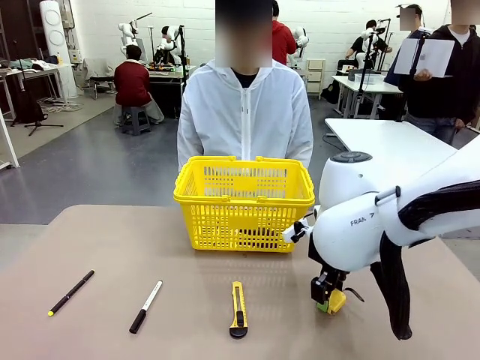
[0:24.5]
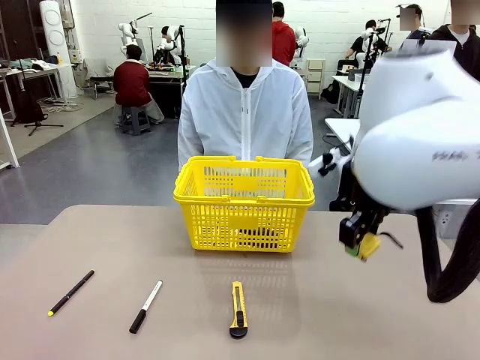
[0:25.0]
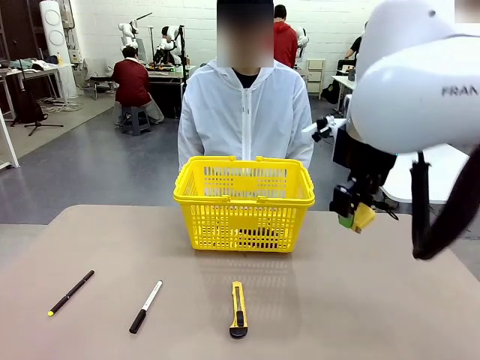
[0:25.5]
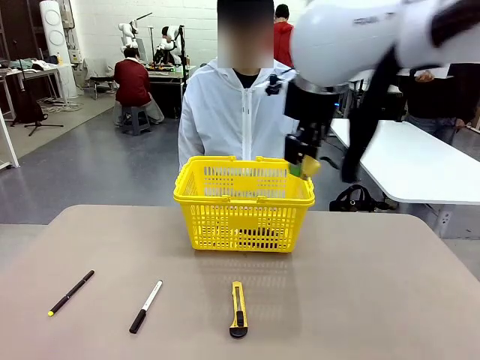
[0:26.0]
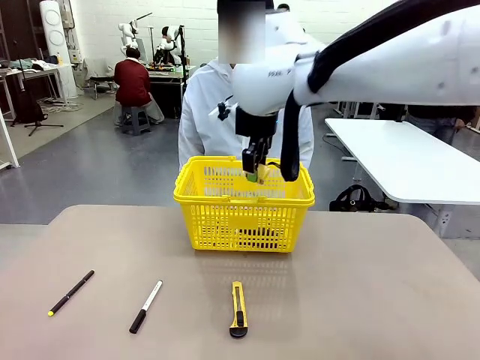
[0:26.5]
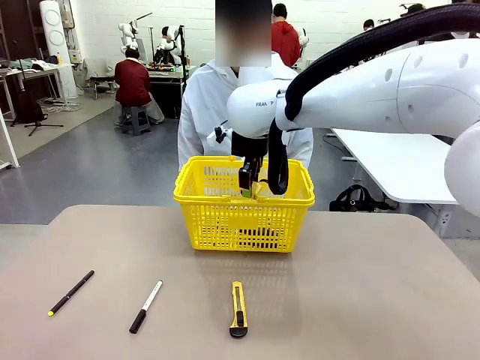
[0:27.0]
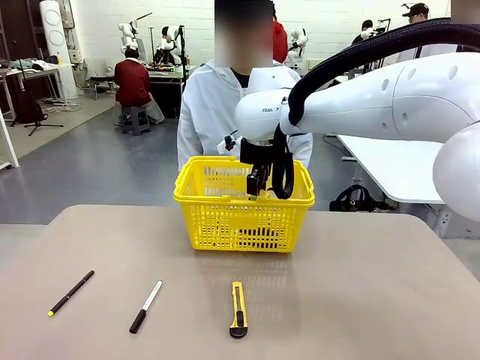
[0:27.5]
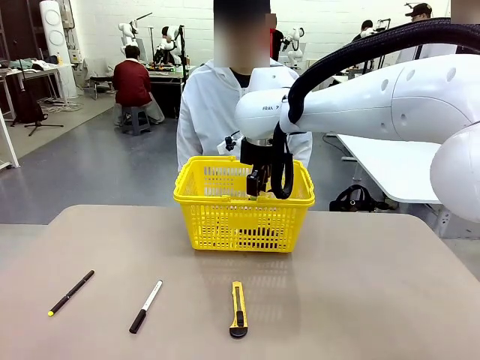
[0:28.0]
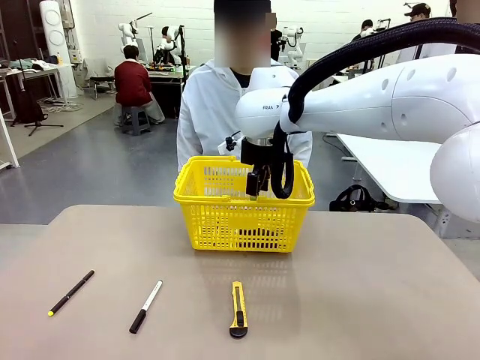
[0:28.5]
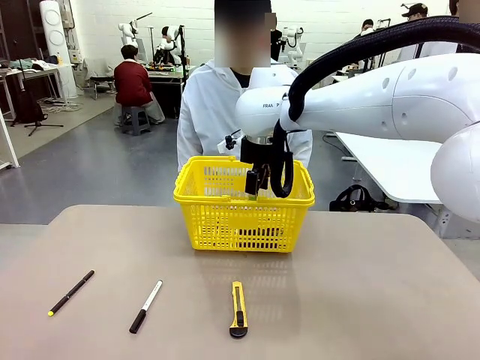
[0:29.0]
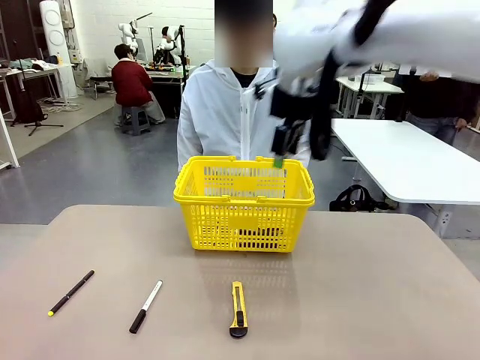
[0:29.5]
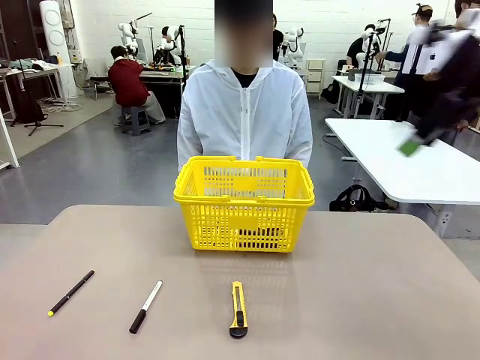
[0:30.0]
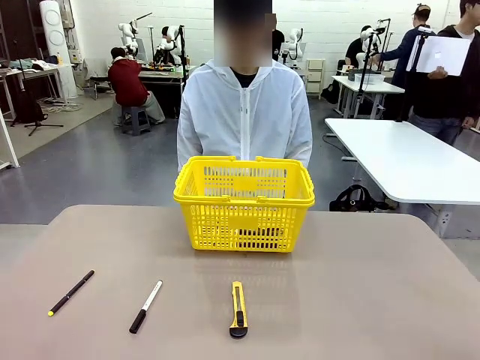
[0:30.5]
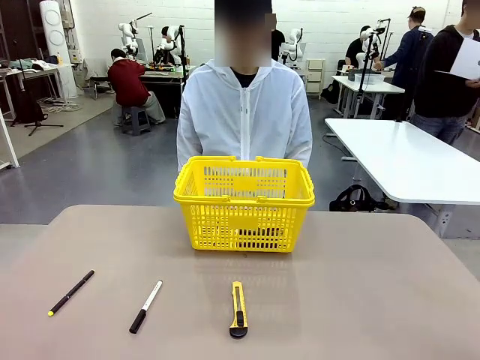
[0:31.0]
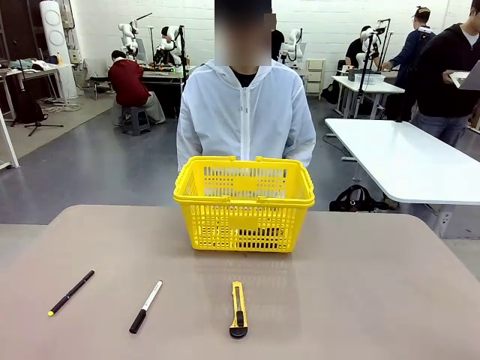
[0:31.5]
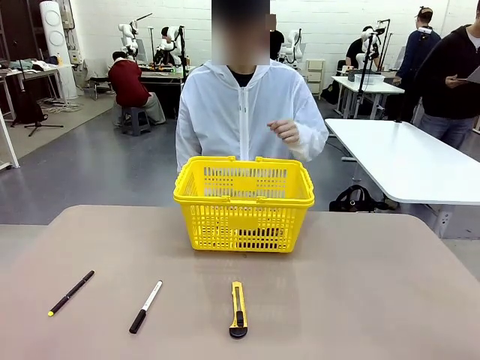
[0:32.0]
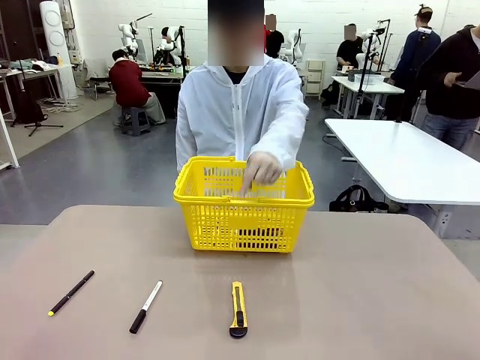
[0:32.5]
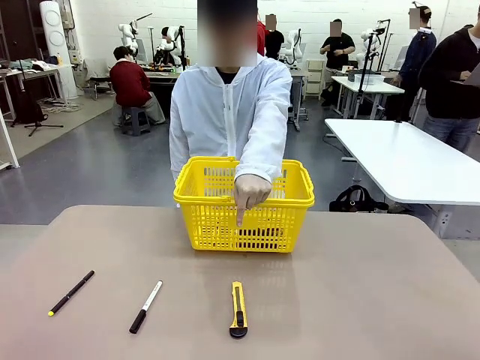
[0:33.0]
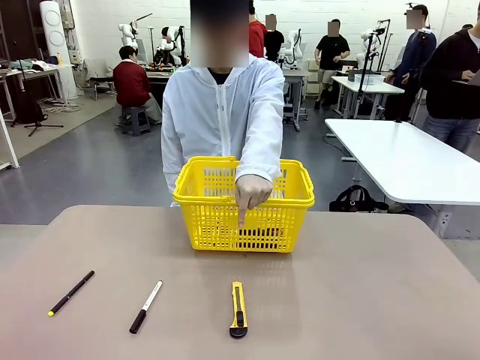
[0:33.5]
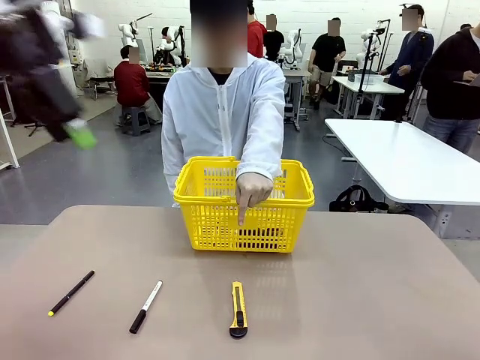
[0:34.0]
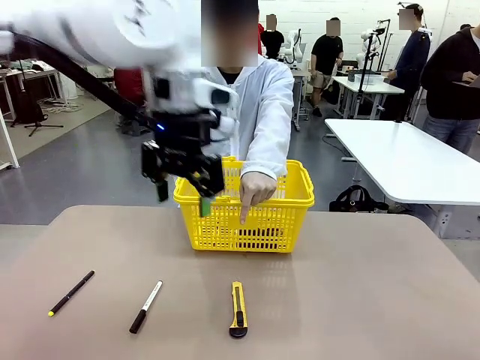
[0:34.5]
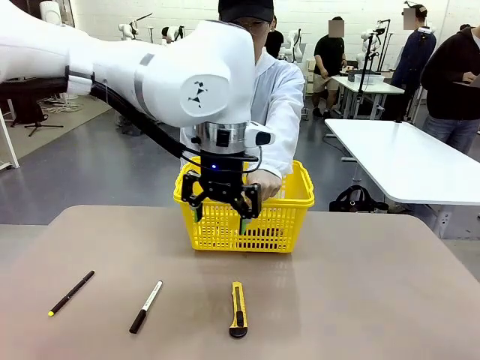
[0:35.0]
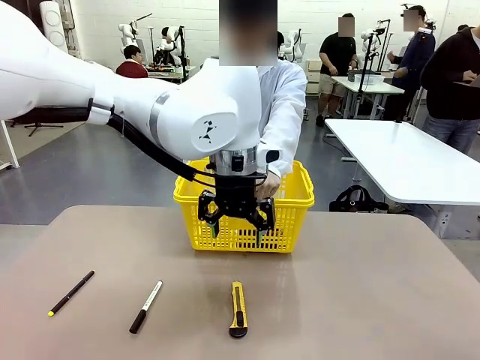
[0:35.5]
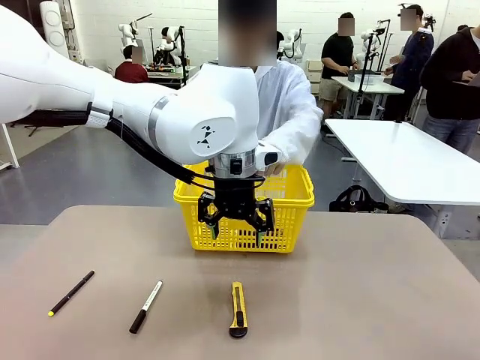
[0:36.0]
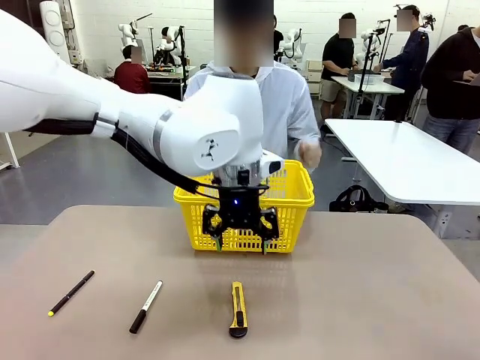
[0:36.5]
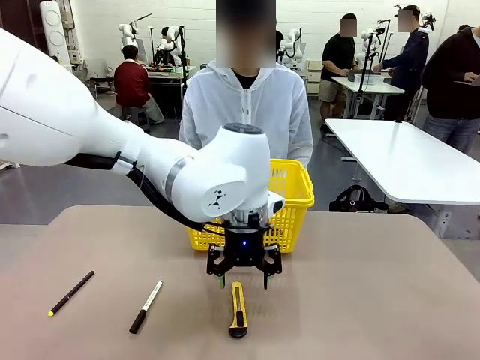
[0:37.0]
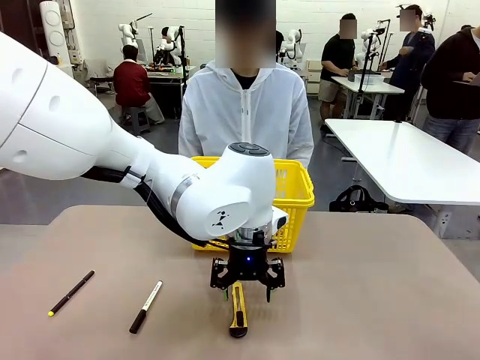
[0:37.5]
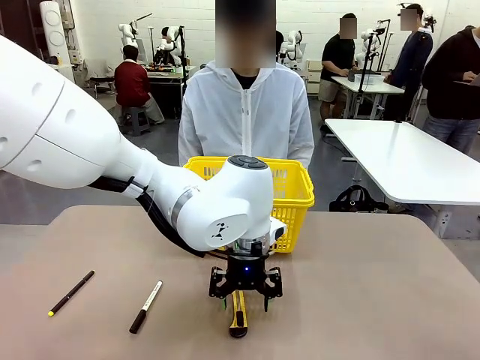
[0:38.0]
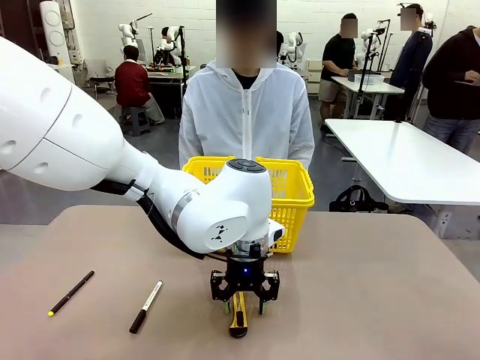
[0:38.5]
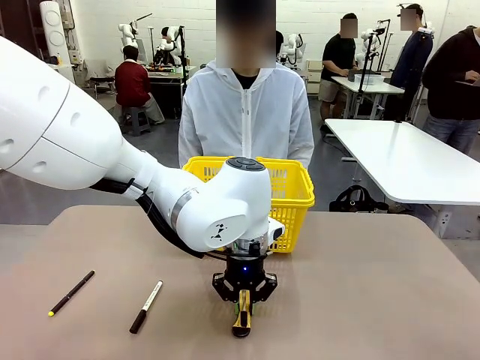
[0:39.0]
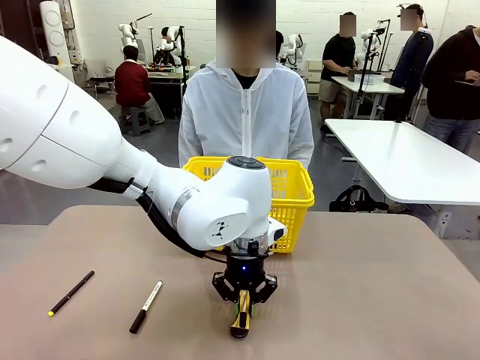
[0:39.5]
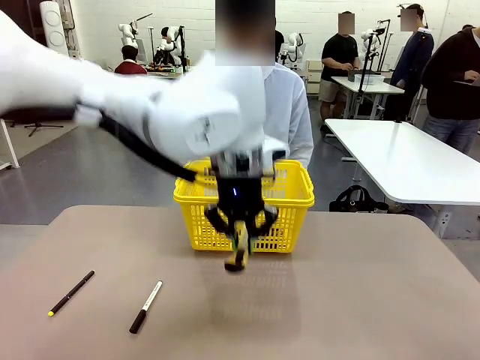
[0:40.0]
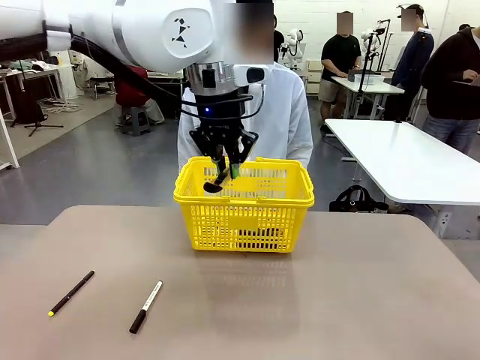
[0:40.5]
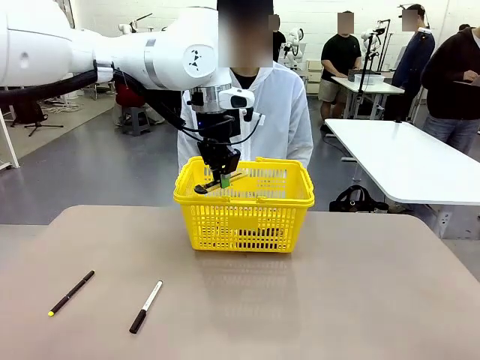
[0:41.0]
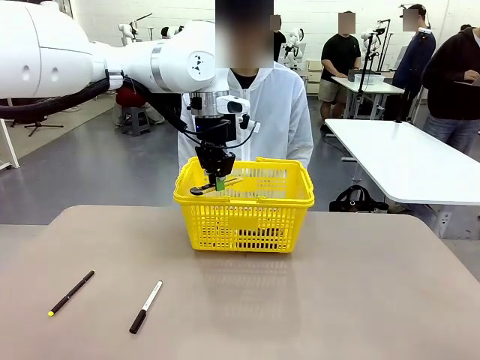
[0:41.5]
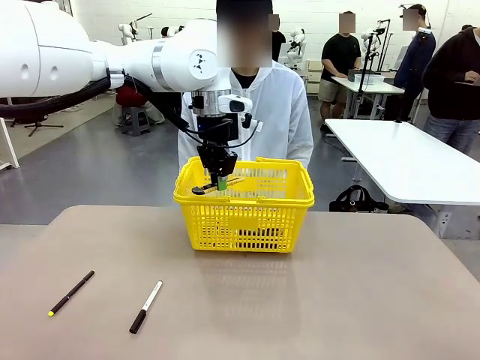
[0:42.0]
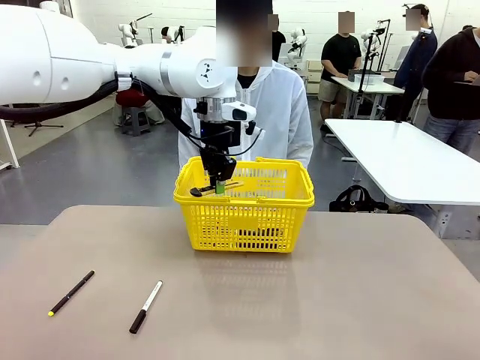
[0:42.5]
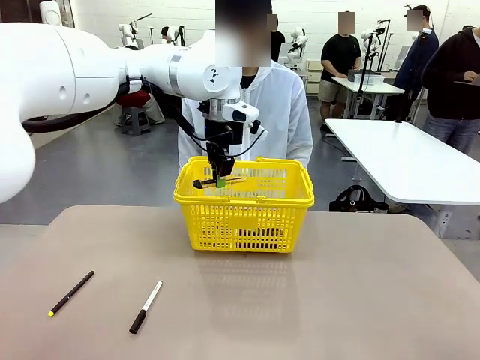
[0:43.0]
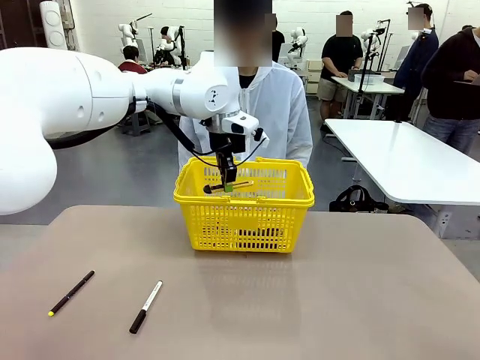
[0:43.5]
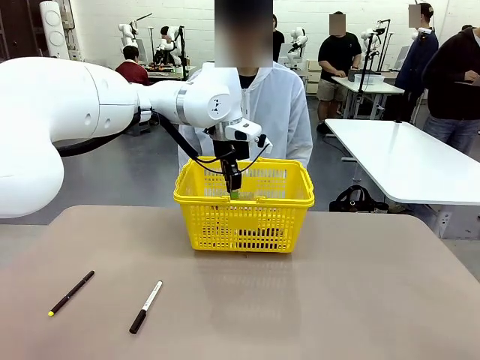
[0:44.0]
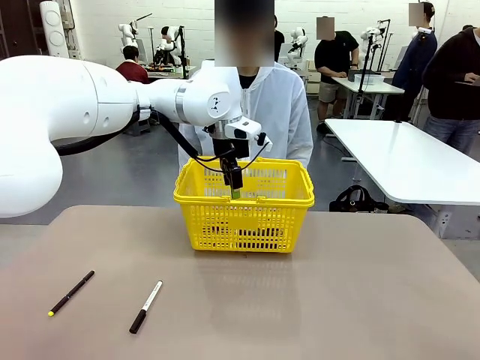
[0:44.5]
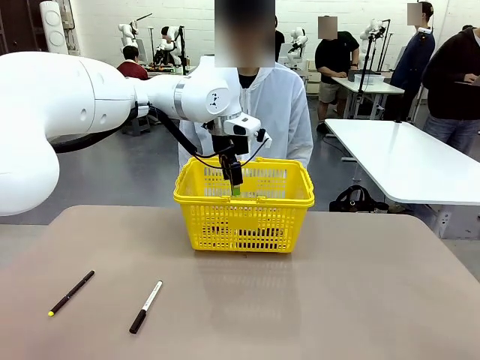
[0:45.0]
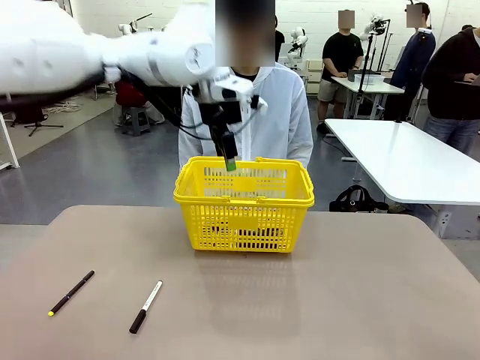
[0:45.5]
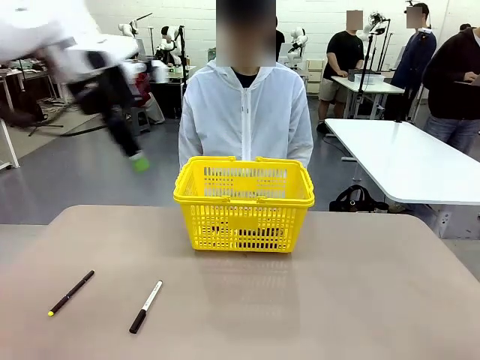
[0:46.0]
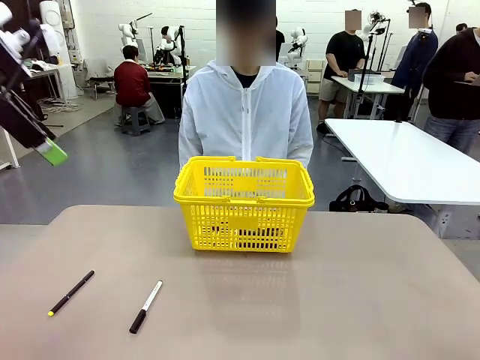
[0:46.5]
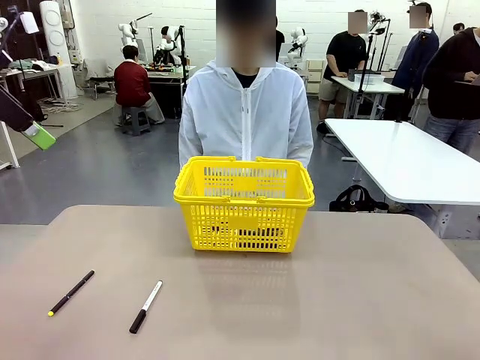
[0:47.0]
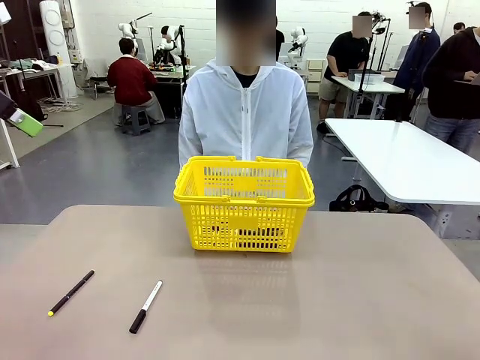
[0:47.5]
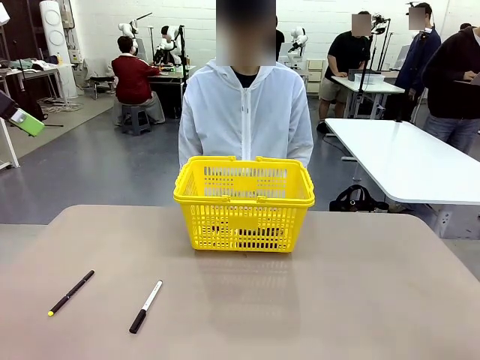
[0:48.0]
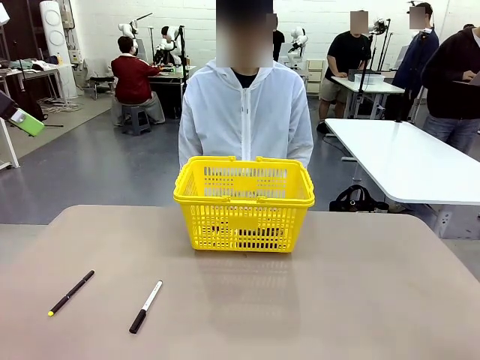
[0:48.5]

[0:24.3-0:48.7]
Task: Place the items the person wants into the basket.
Robot: Pick up the item the person points to and place it in the Market Basket.
Person: Point to one object on the table (excluding the basket).

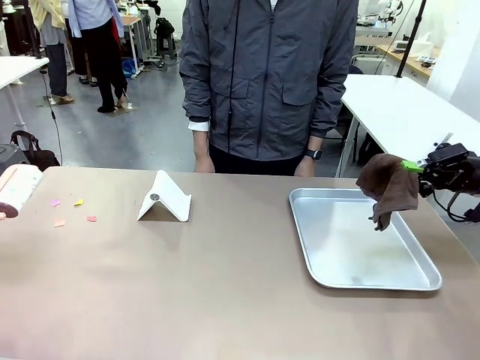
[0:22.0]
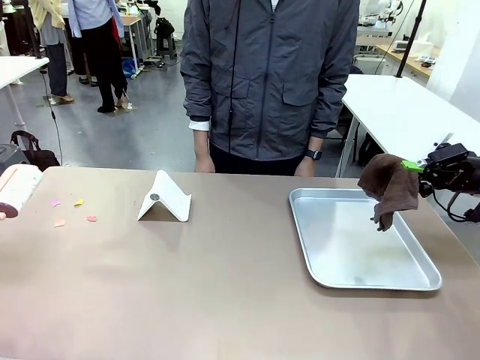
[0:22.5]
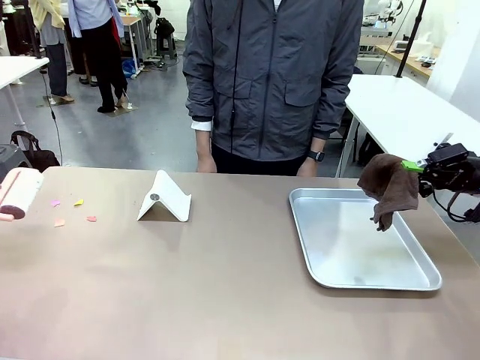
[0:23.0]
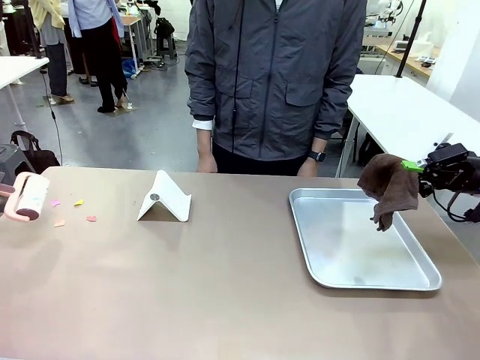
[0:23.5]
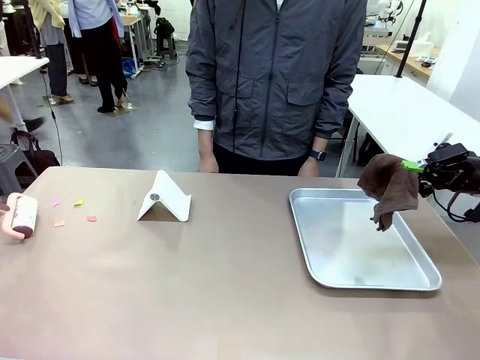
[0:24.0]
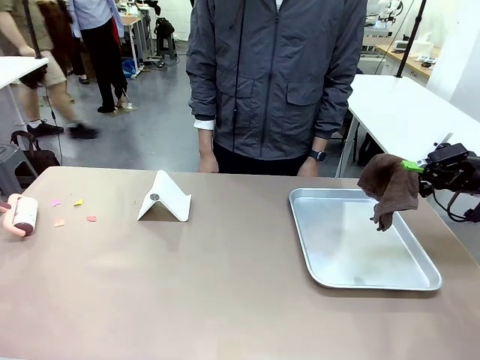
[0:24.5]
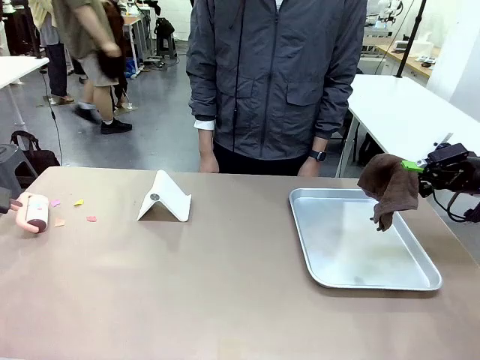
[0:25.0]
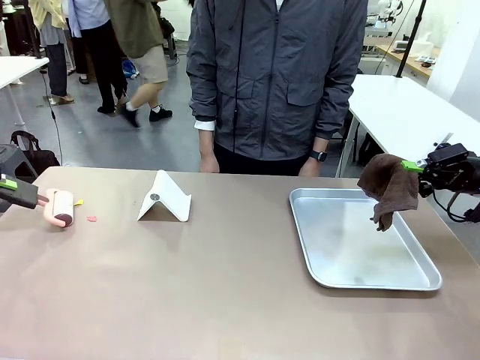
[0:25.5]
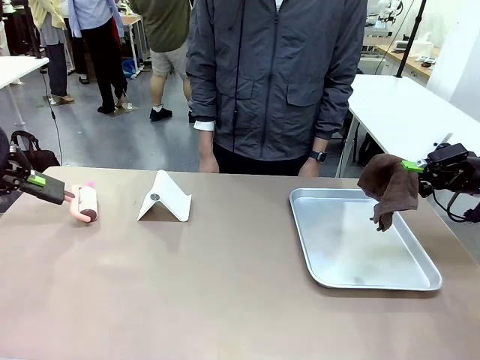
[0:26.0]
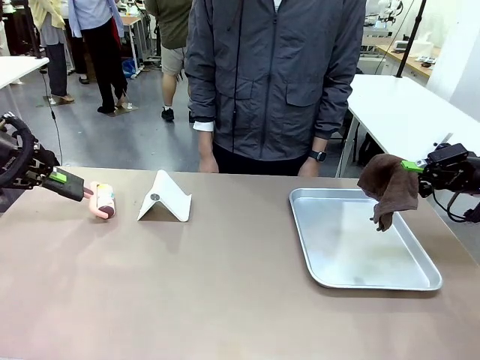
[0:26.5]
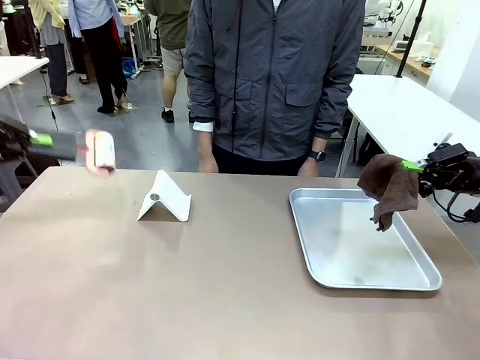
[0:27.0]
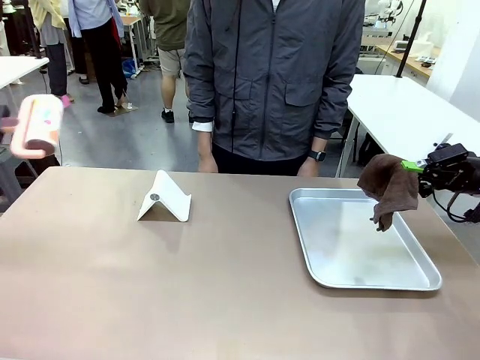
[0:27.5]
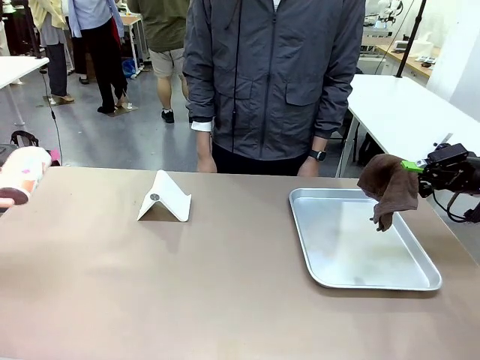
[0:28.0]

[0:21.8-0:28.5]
Task: Clean the surface of the table.
Robot: Clean the area not pointed to by the person.
